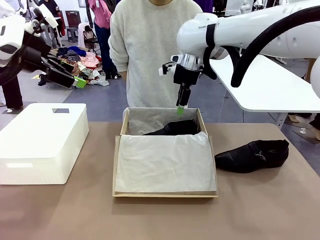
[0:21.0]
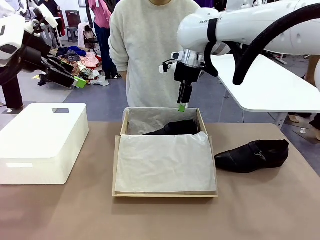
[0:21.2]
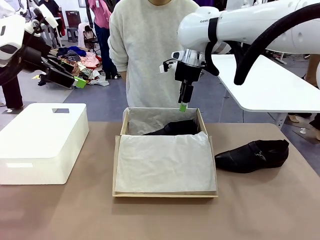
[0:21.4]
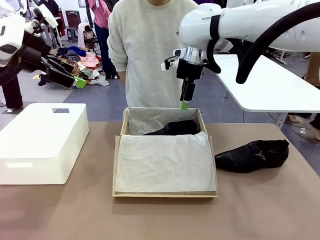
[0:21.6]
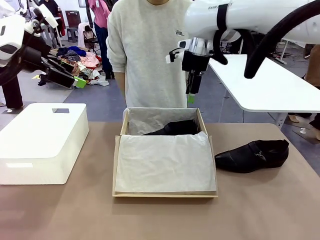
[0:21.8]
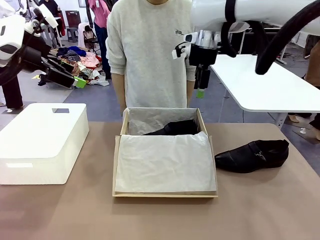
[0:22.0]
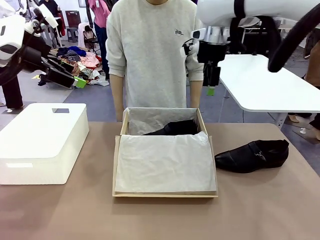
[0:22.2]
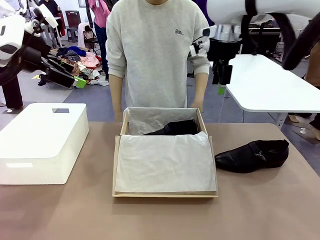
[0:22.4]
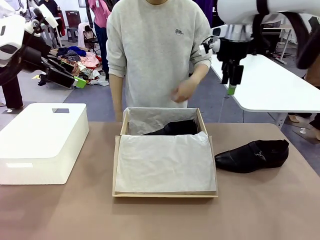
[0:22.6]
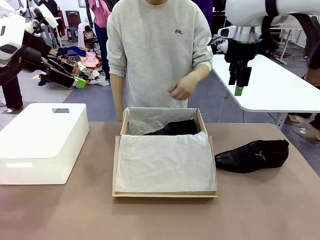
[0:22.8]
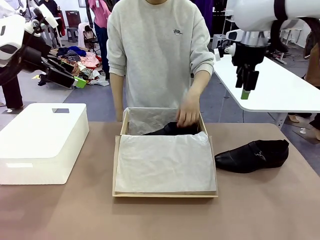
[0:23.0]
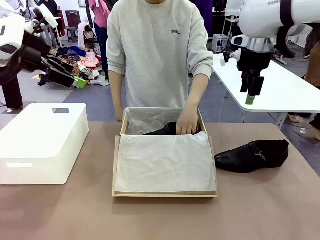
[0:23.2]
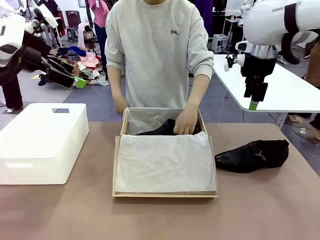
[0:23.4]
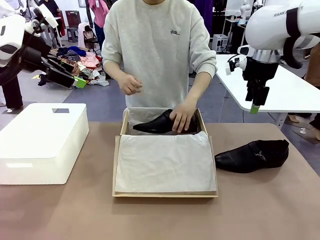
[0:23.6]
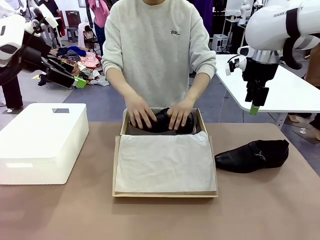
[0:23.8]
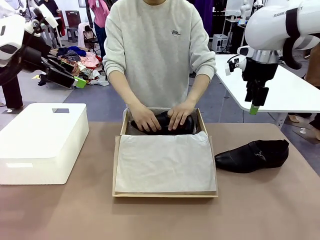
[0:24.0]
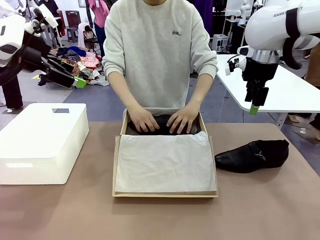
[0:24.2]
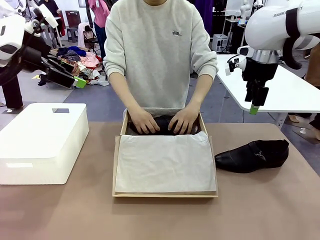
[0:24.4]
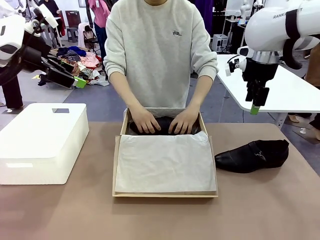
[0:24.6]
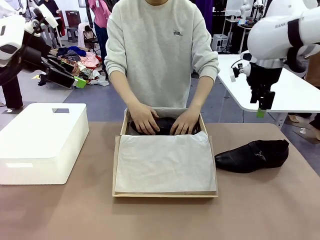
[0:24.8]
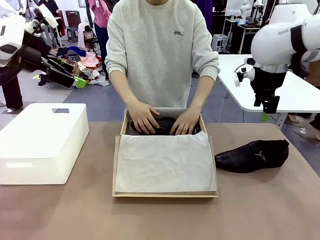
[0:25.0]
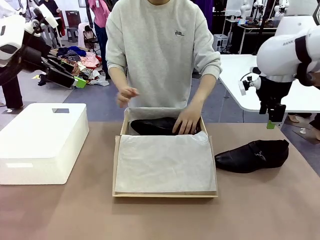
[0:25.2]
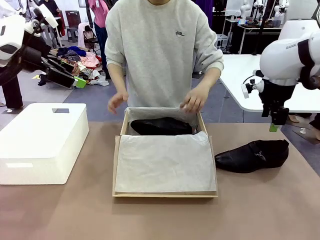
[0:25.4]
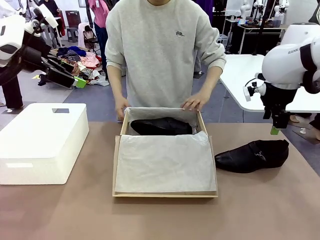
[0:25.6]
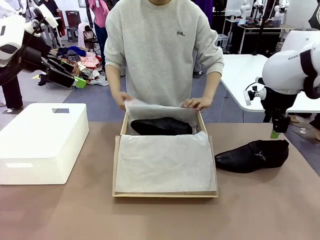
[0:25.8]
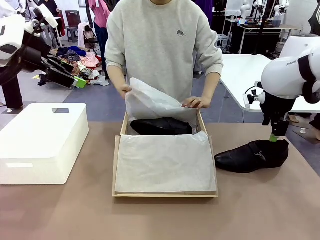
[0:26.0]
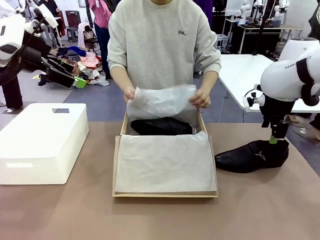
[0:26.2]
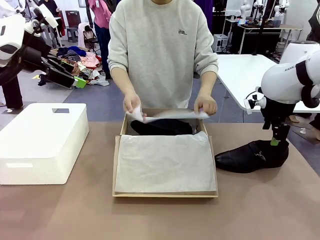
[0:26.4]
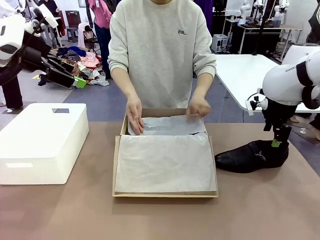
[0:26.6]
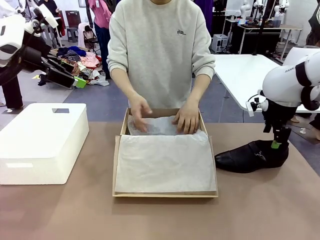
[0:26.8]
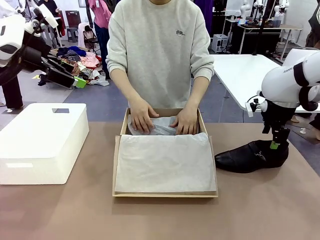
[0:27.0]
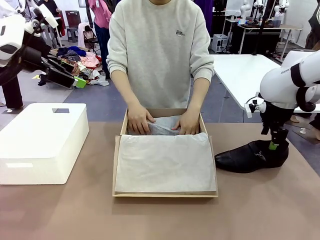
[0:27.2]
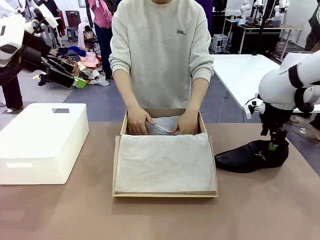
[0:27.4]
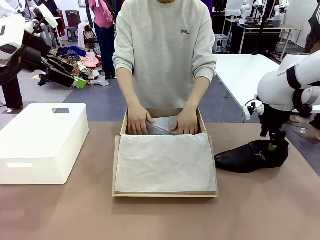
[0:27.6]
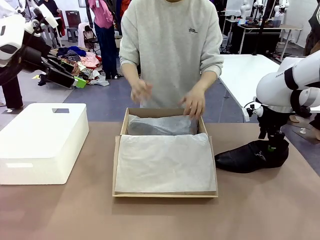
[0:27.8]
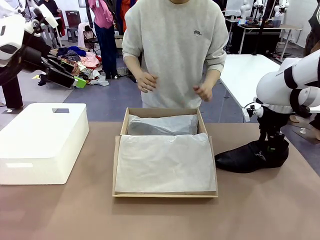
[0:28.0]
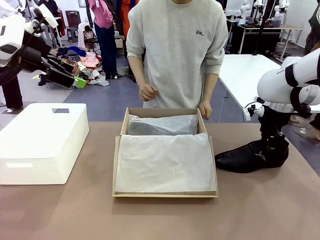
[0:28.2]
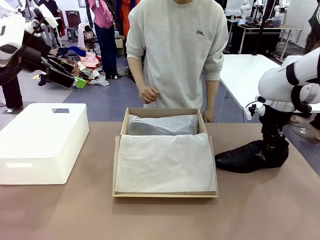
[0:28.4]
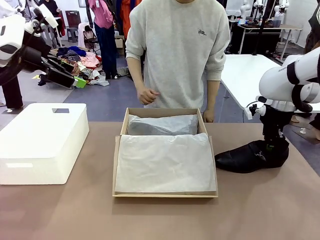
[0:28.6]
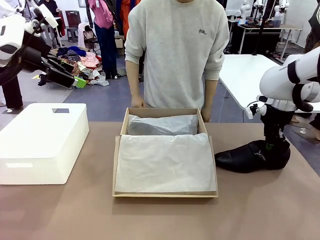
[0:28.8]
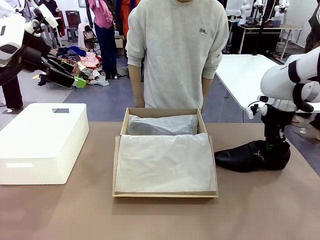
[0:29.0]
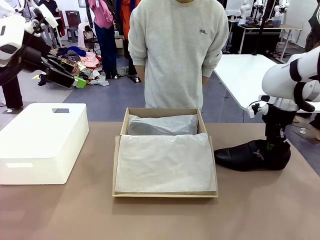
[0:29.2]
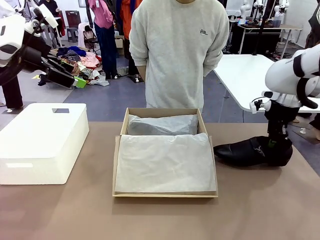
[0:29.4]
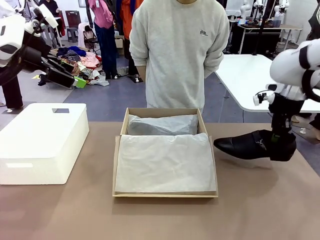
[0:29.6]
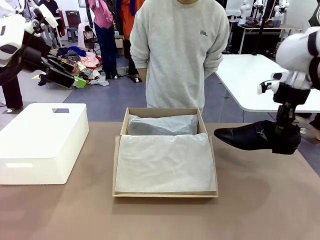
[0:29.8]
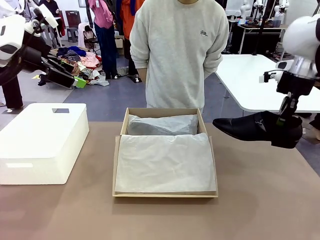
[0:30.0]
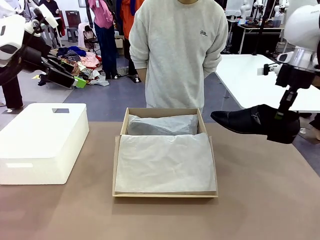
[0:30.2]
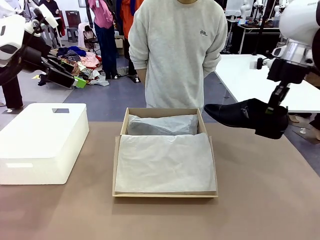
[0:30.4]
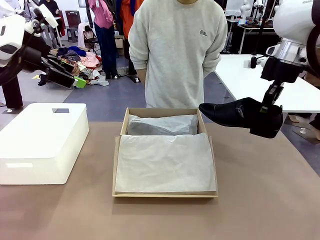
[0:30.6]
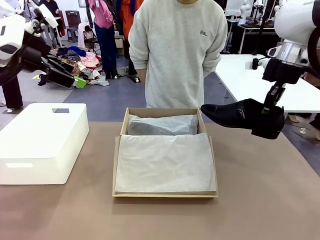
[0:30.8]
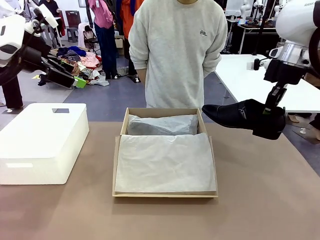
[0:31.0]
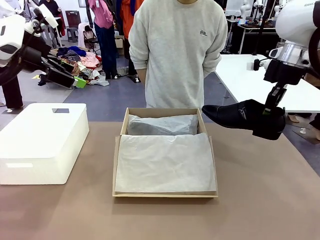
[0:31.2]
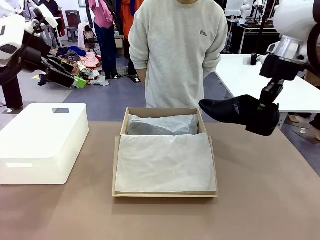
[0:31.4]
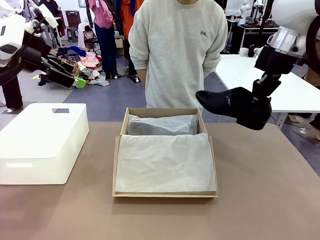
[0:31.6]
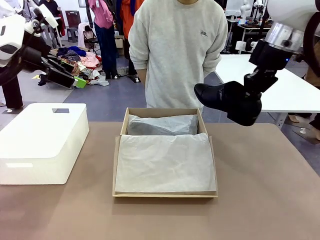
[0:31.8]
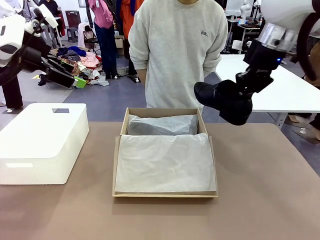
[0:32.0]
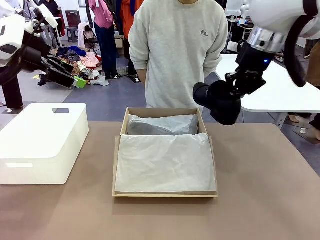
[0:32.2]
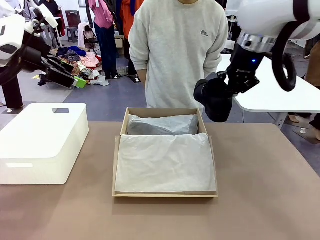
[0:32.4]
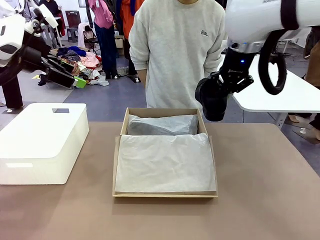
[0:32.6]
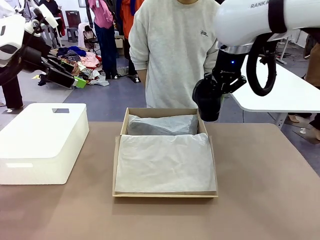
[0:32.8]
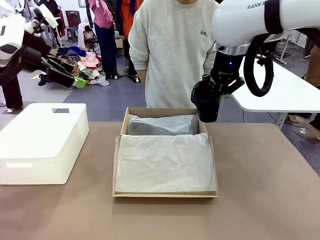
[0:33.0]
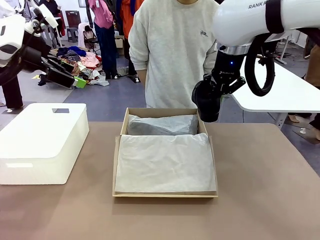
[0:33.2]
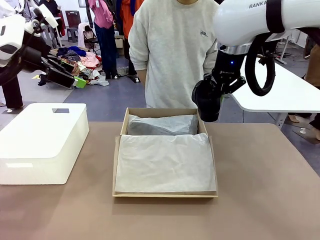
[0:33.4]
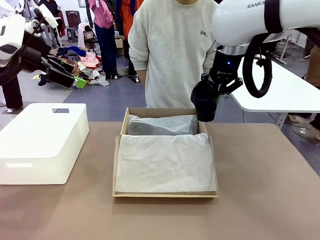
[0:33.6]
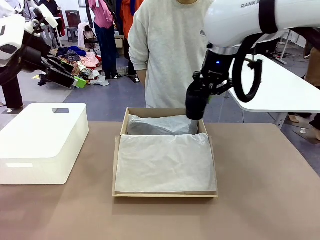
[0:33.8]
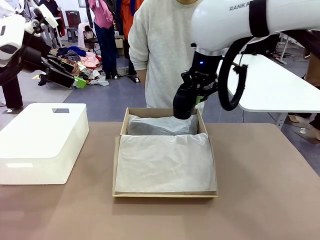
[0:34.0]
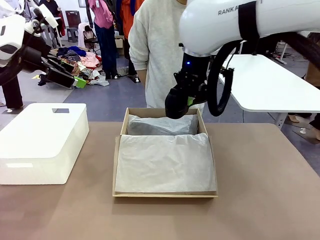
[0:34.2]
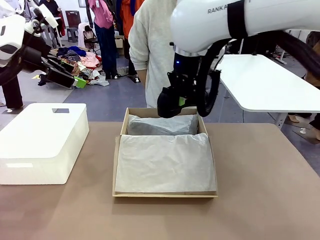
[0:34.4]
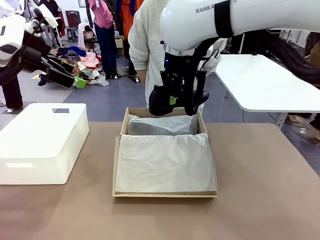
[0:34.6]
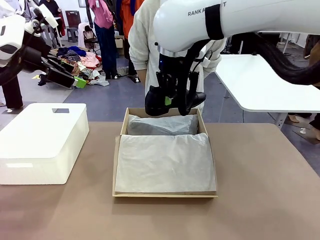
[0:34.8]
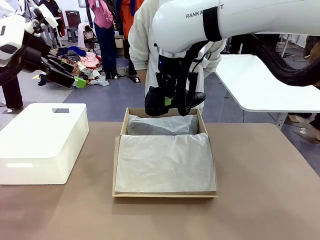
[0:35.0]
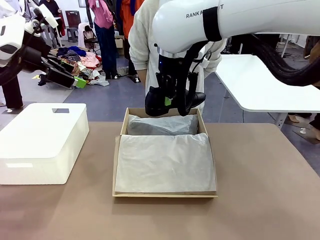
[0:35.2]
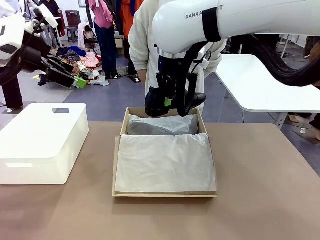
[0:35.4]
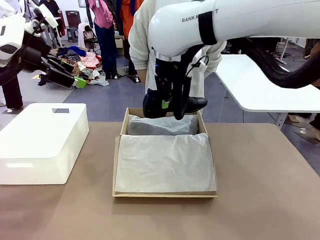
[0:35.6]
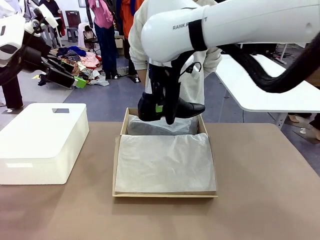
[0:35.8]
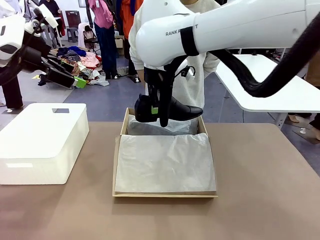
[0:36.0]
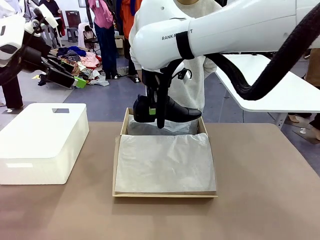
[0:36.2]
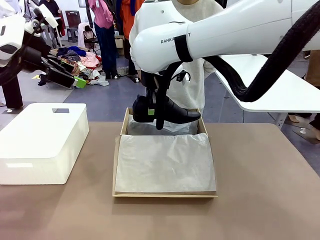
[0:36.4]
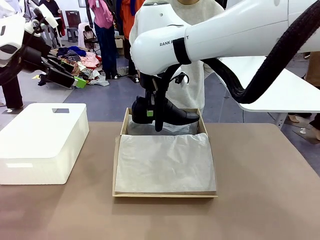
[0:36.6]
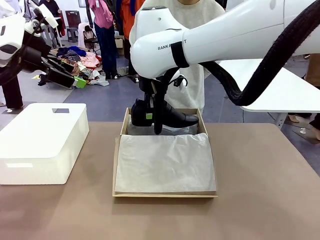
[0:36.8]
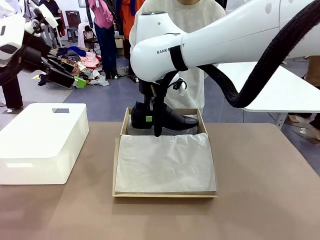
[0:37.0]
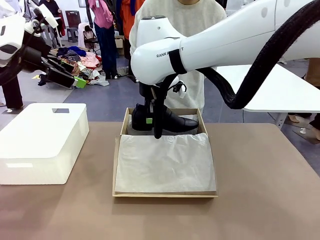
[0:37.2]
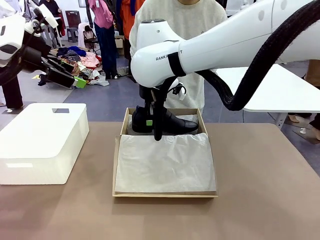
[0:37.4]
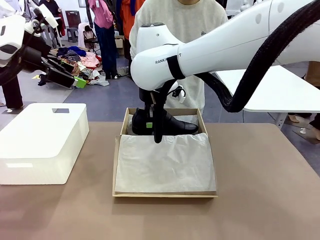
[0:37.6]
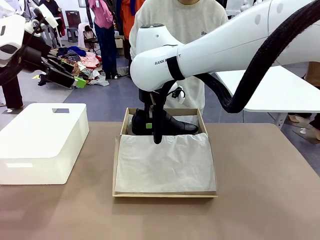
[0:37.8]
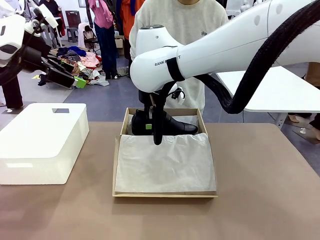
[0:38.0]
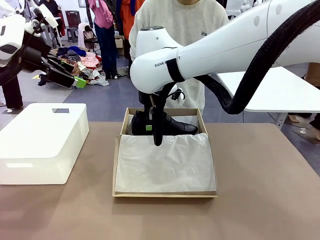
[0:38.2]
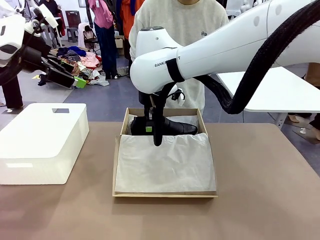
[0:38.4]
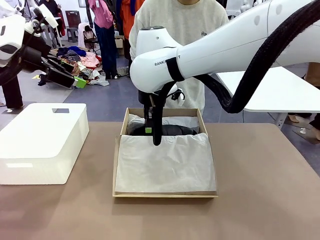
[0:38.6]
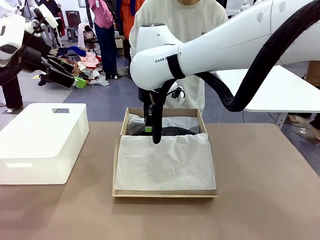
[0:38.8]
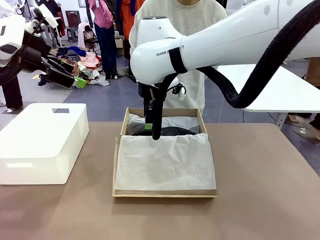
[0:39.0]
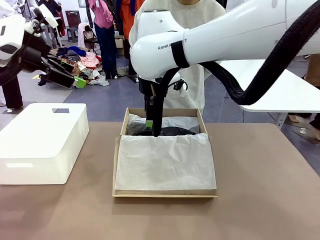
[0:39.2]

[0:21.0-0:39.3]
Task: Pack the shoes into the box.
Robot: Place the other shoe of the Shoes into the Shoes Box.
Person: Pack a shoe of Shoes inside the Shoes Box with Shoes Wrapping Paper.
